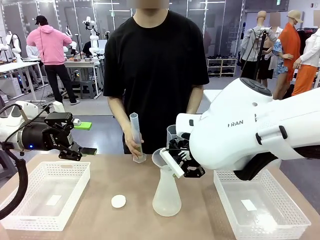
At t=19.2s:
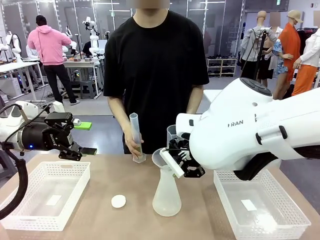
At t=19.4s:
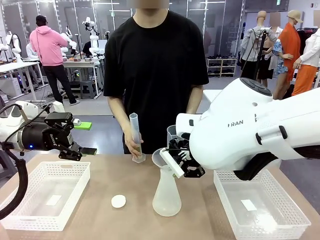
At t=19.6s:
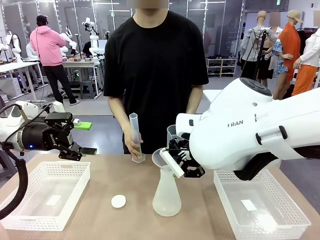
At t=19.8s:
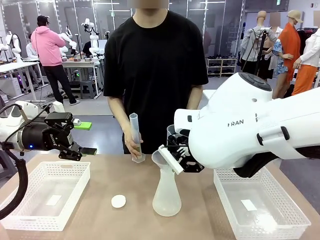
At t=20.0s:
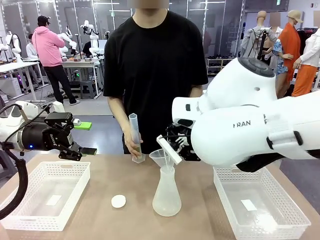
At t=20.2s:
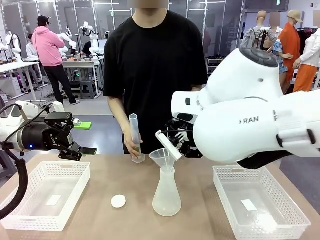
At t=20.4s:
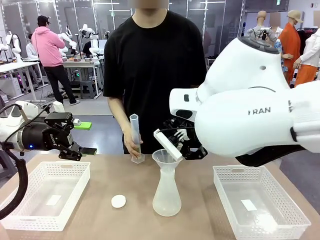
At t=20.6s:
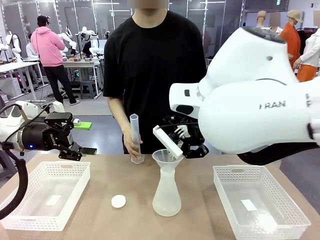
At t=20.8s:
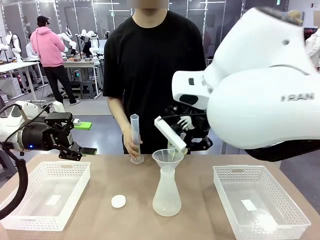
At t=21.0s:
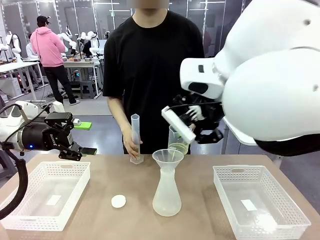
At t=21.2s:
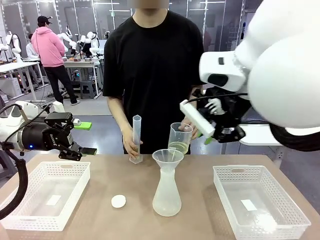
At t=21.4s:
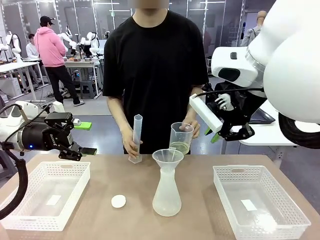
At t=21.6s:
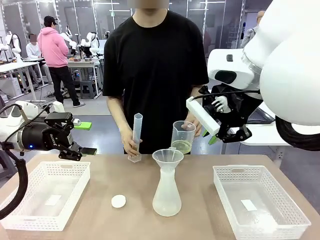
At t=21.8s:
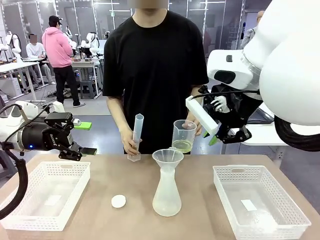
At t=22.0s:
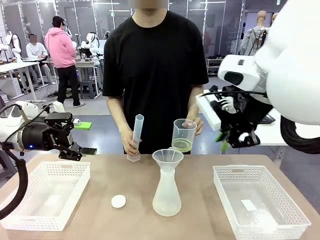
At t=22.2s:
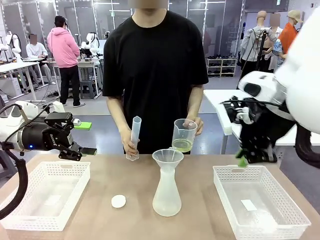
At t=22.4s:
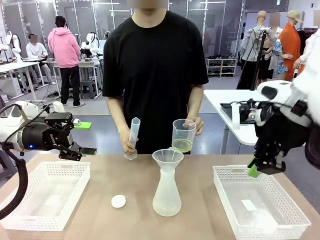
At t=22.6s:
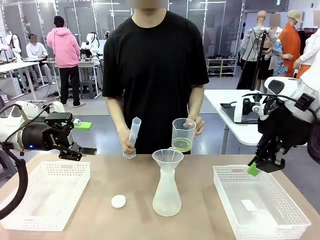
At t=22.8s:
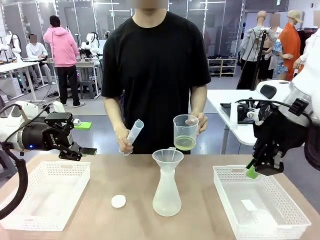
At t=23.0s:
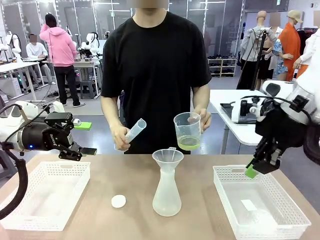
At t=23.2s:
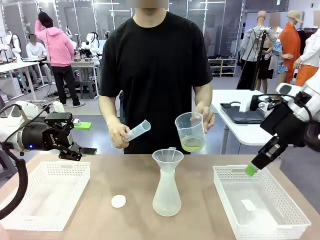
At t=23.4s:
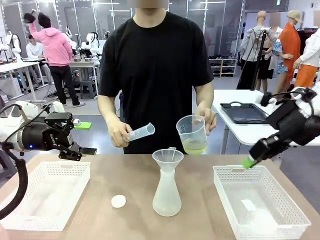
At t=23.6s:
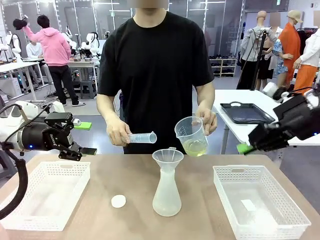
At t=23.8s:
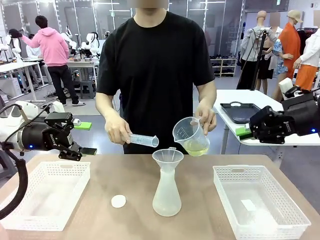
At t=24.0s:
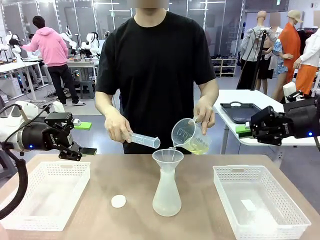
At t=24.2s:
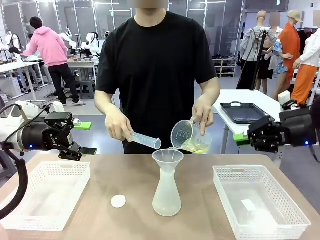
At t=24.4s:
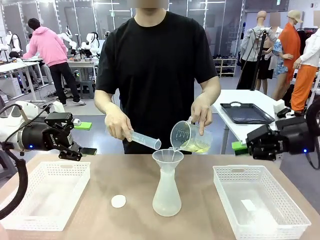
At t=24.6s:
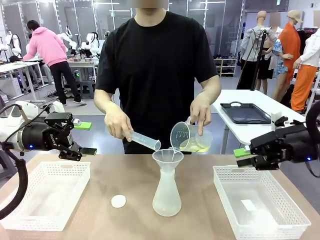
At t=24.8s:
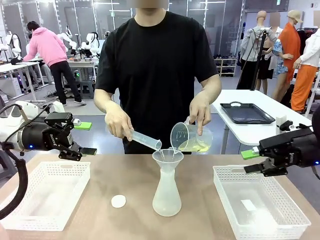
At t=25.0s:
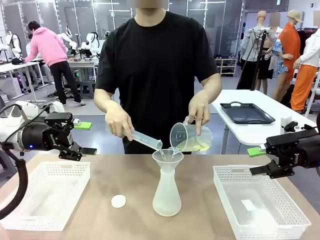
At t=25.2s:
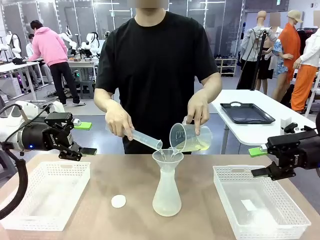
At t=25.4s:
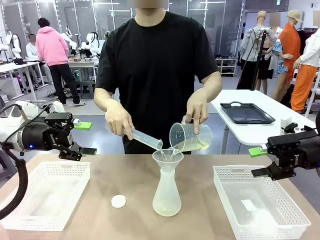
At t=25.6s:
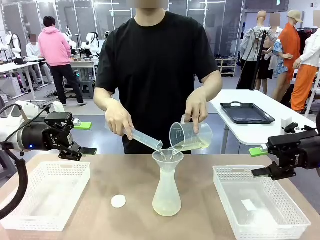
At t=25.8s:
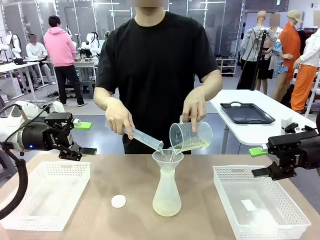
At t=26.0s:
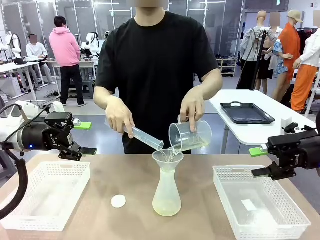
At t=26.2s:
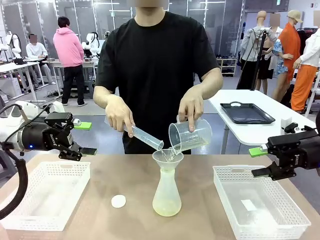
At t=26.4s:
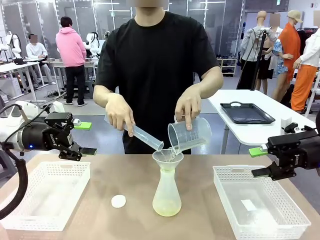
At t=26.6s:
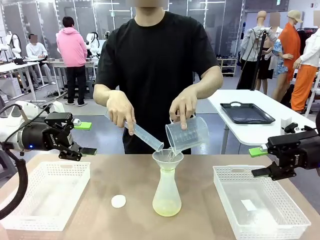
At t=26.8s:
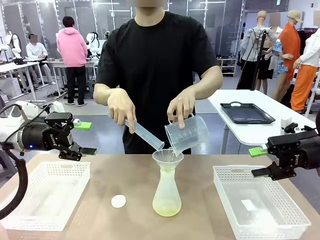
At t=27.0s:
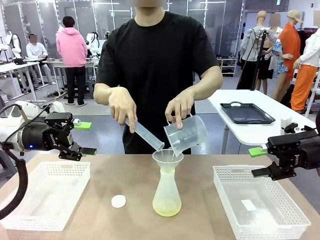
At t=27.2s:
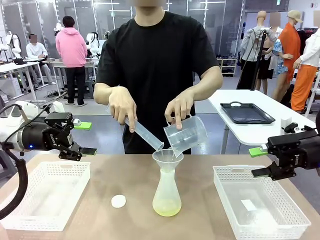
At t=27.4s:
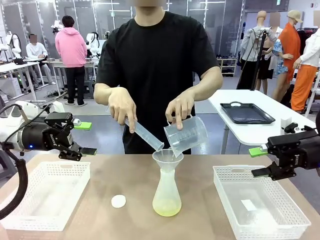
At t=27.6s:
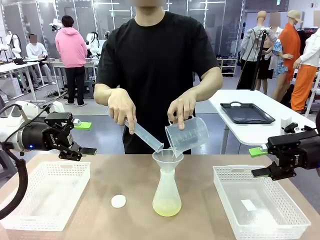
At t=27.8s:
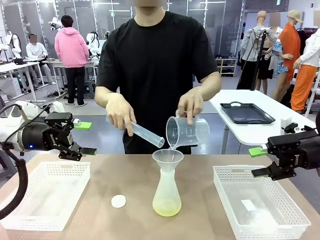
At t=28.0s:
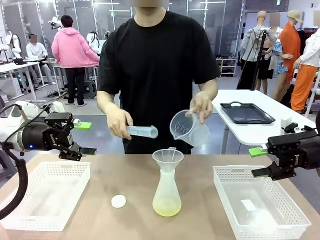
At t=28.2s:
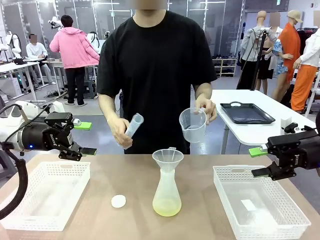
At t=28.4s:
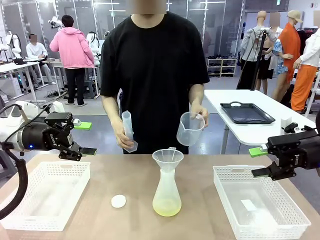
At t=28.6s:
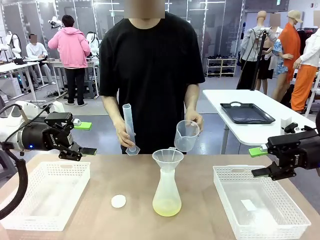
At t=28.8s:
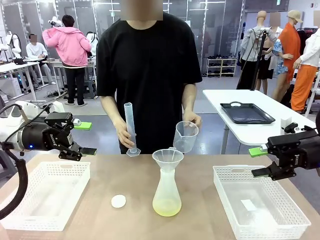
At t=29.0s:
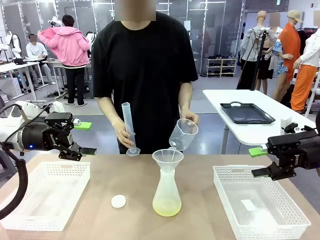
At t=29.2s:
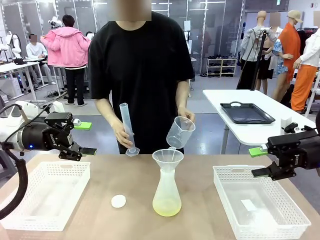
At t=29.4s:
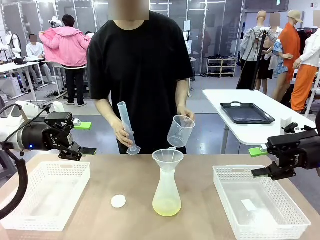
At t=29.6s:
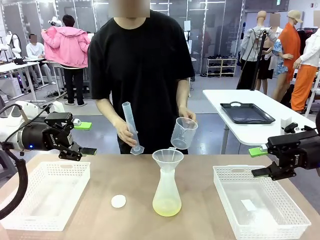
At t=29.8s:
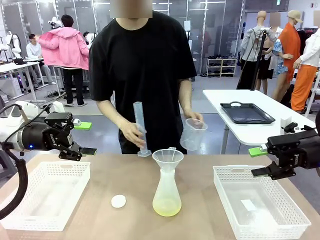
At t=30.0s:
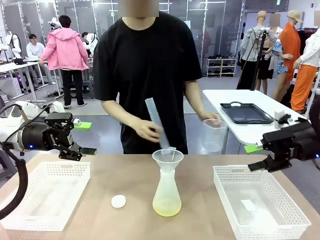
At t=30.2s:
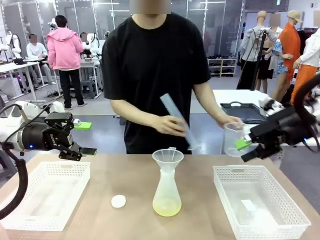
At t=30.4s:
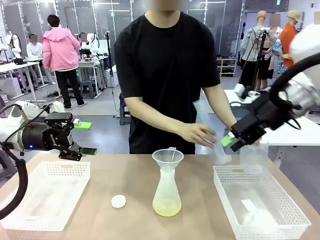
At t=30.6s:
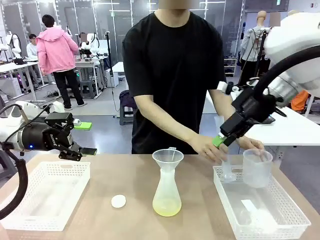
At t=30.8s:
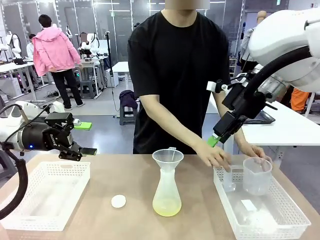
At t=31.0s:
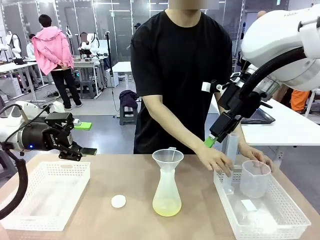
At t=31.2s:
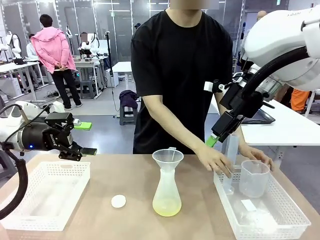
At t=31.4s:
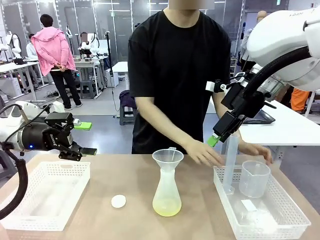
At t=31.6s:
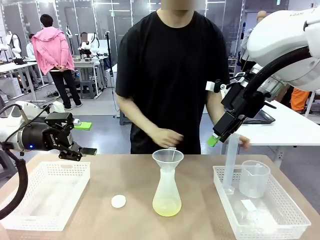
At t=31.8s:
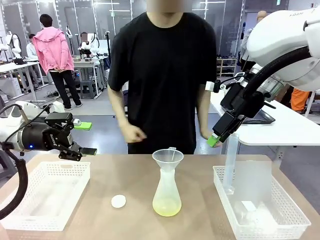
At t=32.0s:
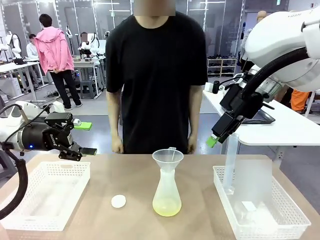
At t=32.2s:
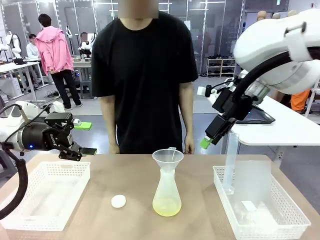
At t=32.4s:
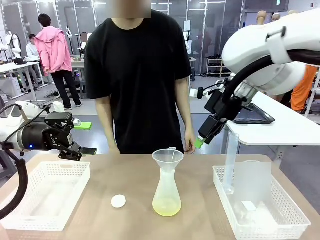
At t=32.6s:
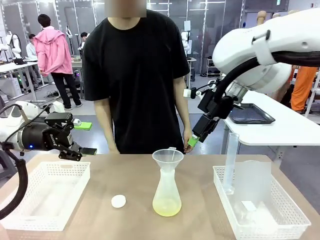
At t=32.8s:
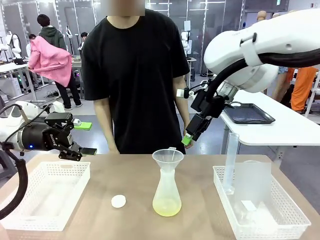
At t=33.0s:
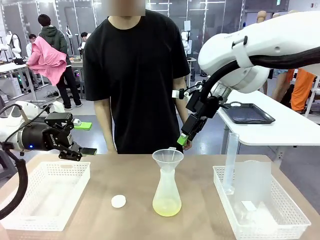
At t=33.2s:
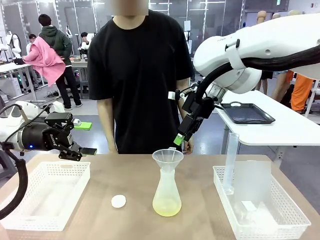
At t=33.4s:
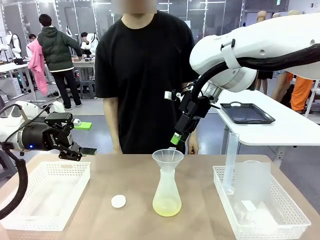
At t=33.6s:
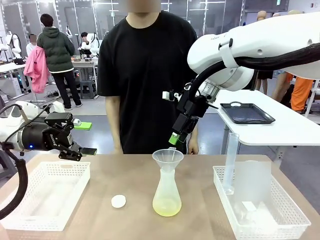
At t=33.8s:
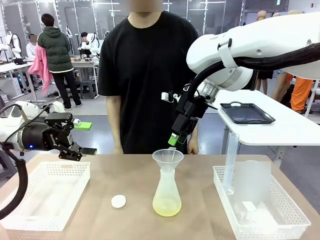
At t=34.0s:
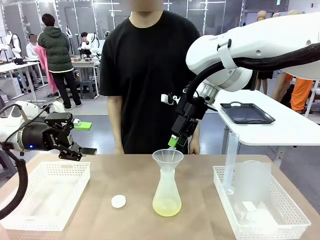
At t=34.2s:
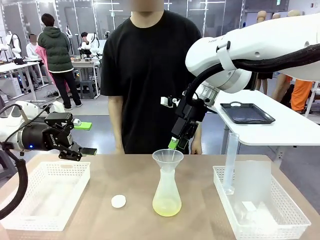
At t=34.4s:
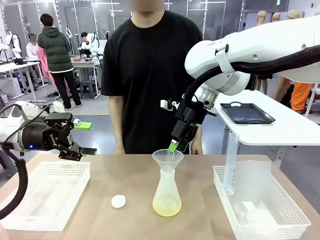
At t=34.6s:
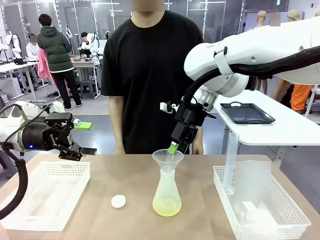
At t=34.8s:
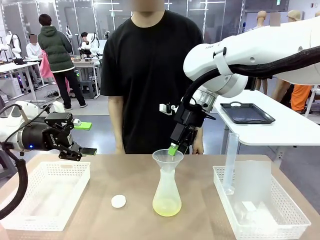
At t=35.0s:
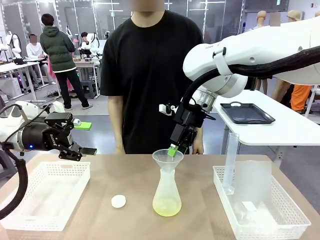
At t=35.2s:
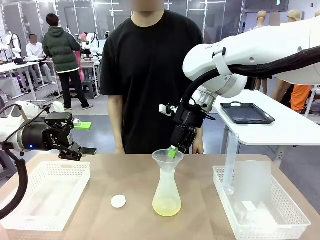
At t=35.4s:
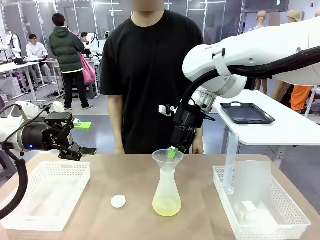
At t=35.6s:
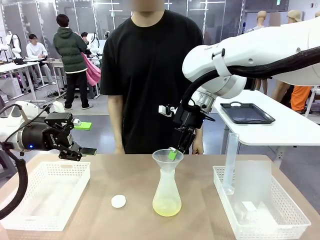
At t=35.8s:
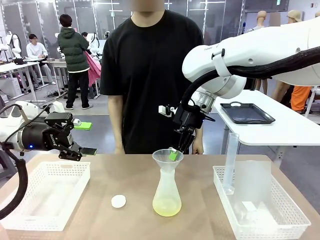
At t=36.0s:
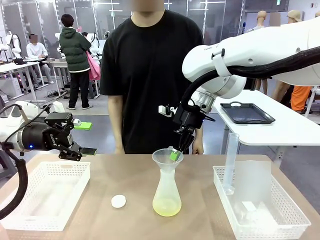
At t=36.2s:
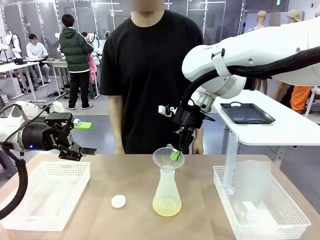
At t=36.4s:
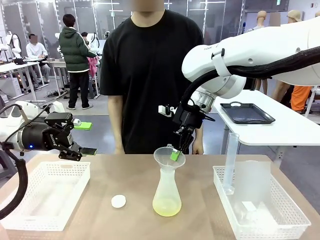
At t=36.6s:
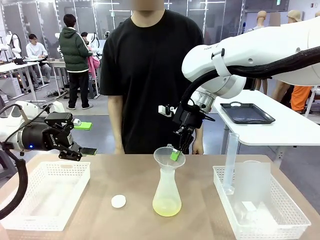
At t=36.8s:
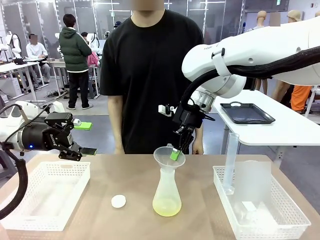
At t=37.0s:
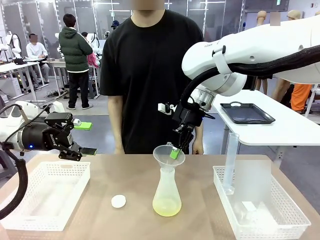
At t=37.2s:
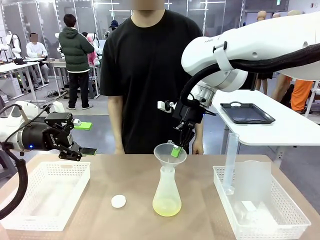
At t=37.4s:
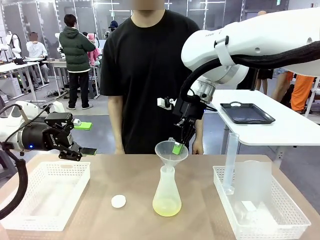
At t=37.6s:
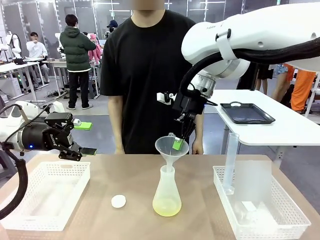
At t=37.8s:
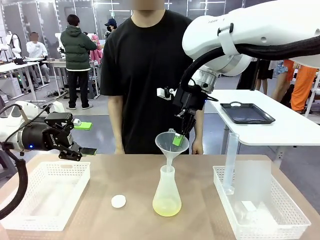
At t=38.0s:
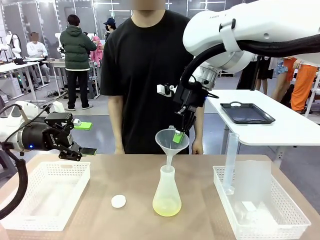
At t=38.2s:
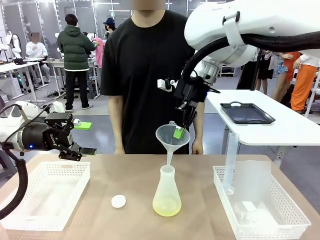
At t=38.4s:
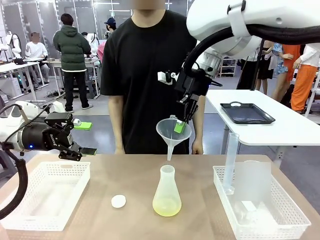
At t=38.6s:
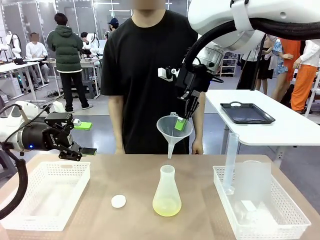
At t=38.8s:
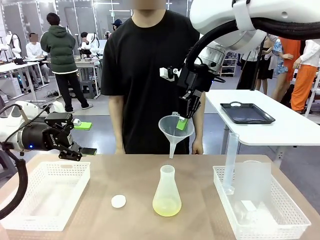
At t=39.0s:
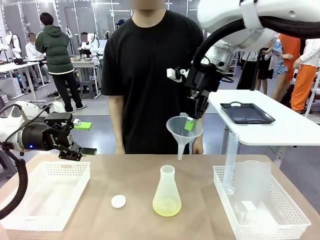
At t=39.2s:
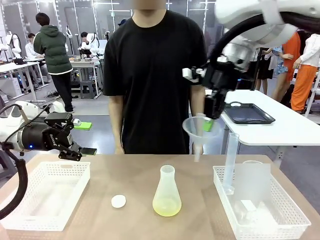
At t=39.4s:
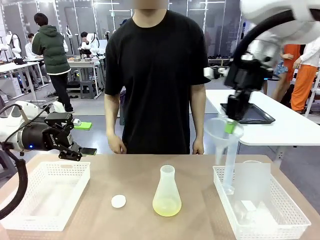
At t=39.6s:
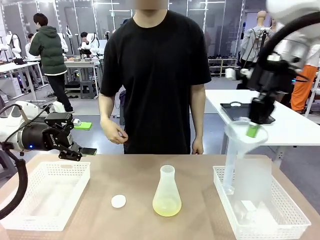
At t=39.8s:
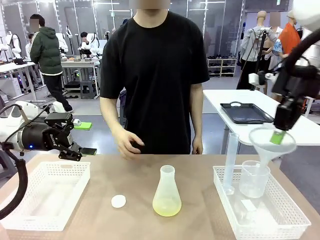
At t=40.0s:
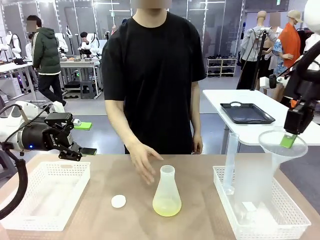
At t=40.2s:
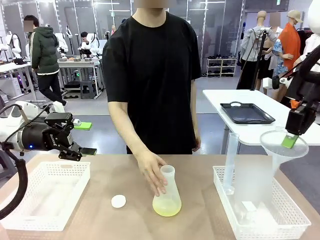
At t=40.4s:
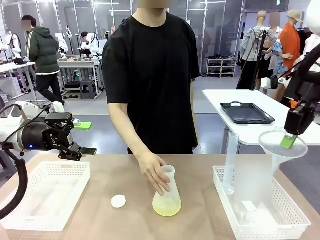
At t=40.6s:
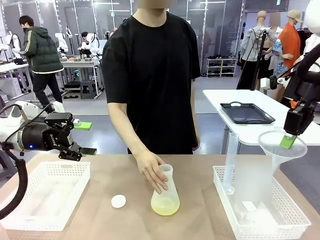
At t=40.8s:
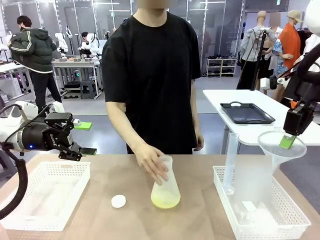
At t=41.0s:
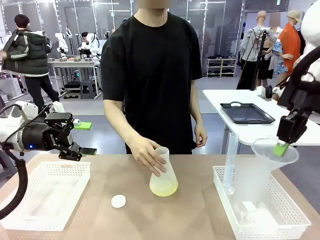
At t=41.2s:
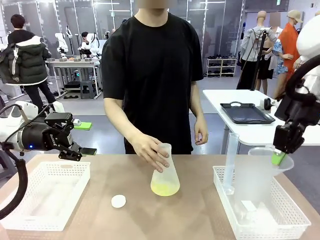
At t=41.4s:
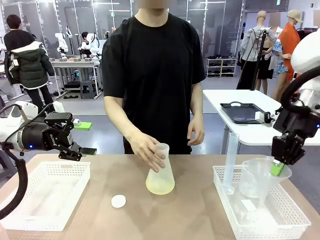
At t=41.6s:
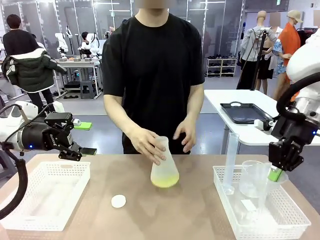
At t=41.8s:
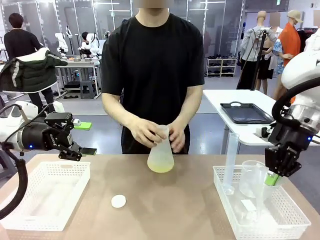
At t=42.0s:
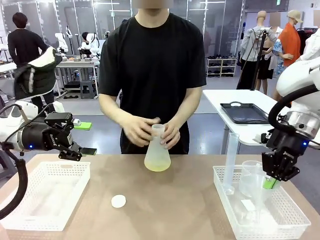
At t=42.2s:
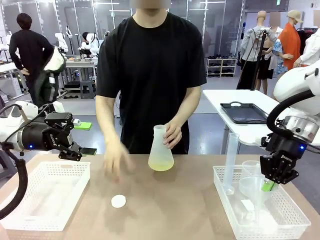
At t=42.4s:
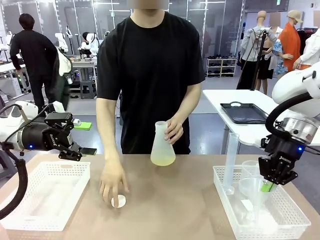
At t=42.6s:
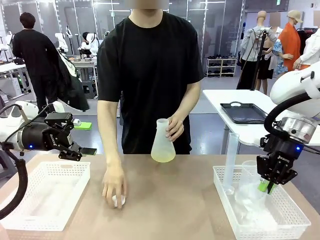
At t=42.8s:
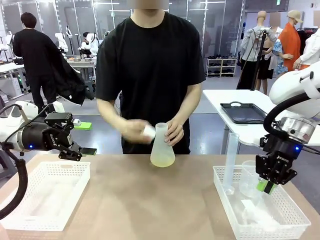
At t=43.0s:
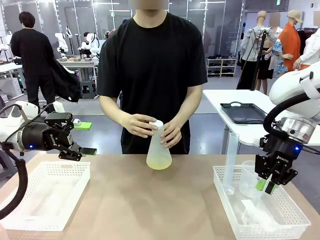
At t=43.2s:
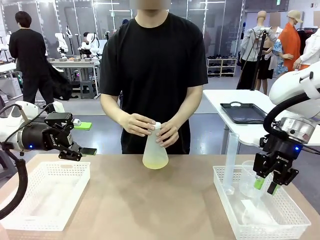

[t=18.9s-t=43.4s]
Task: Prepare the solutions needed for the experiment.
Robot: Once the solution is in the Big flask , pick up the Plastic Funnel and place it back into the right Organizing basket.
Person: Pour the solution from the beaker and the cylinder into the flask. Place the beaker and the cylinder into the organizing basket on the left side. Pick up the flask, gently shake it 2–3 times, place it in the middle of the robot table, and close the lid.
